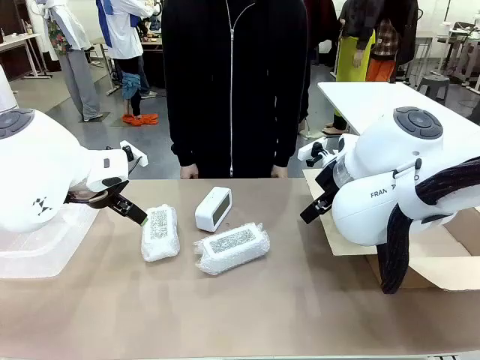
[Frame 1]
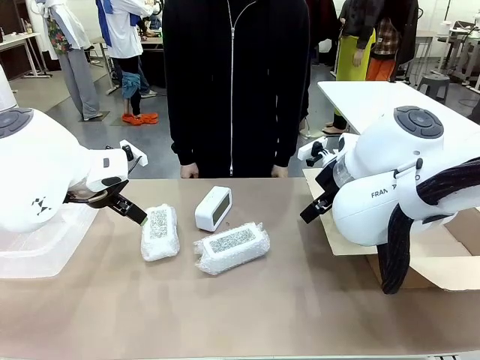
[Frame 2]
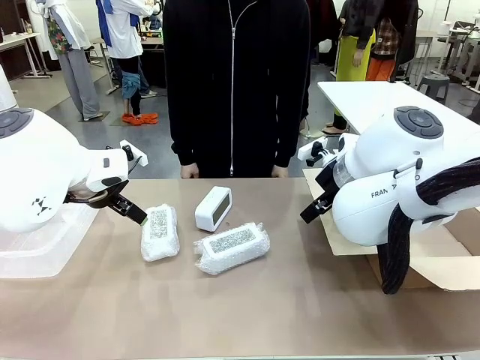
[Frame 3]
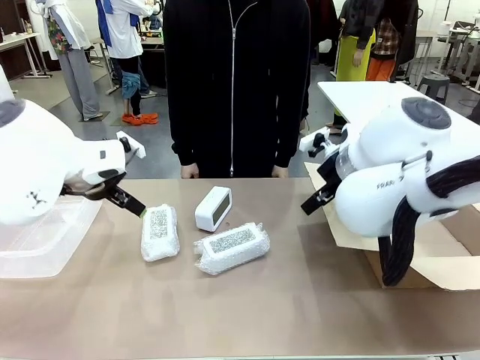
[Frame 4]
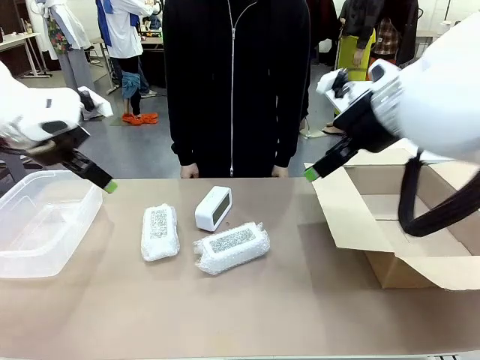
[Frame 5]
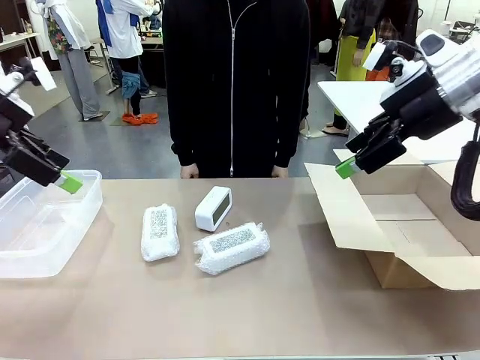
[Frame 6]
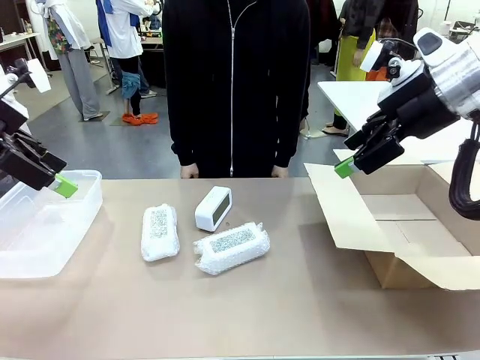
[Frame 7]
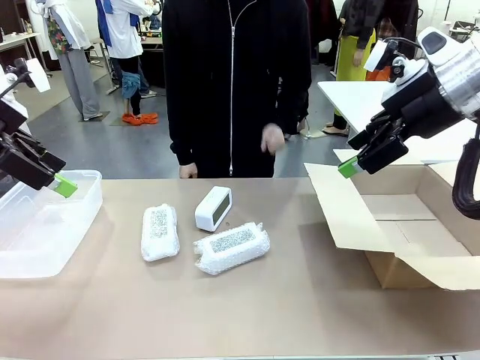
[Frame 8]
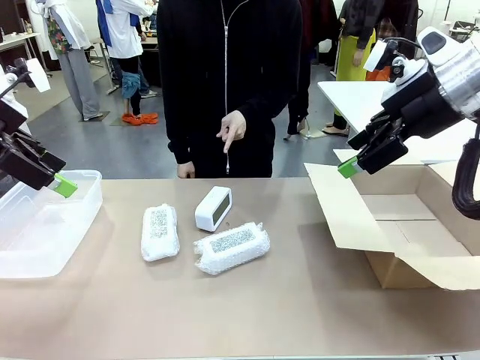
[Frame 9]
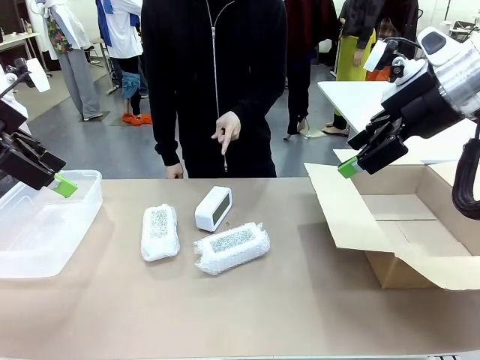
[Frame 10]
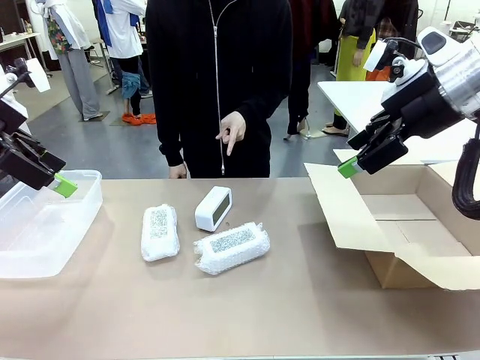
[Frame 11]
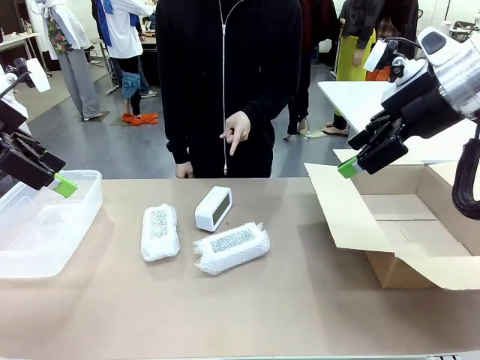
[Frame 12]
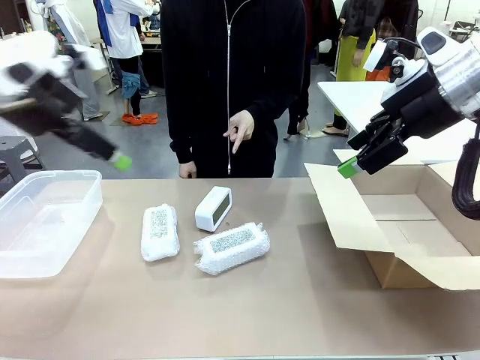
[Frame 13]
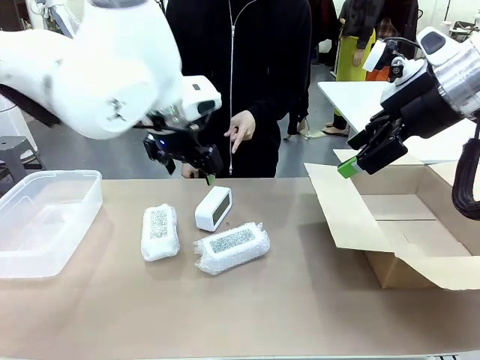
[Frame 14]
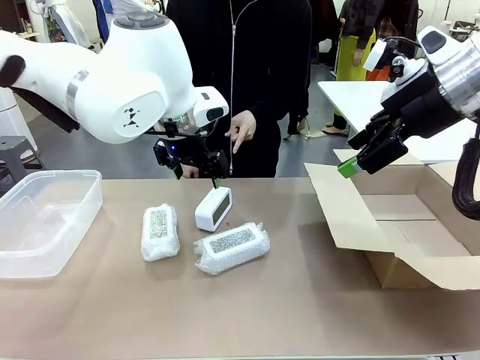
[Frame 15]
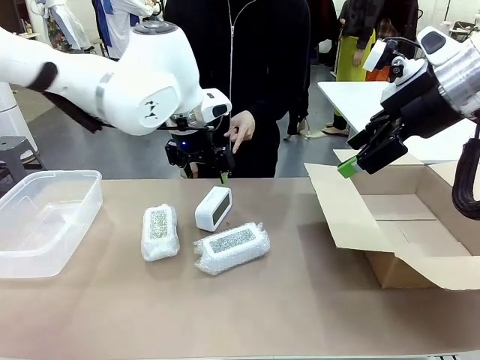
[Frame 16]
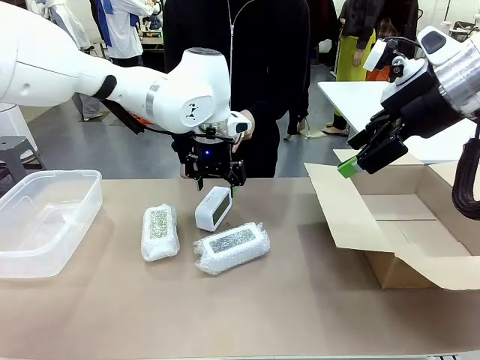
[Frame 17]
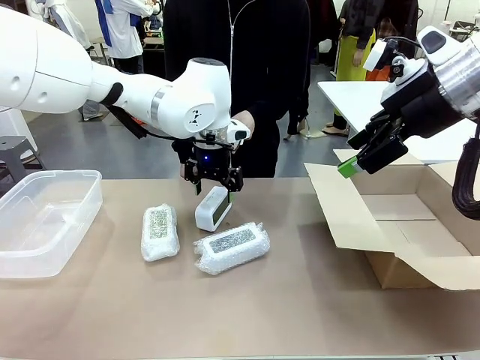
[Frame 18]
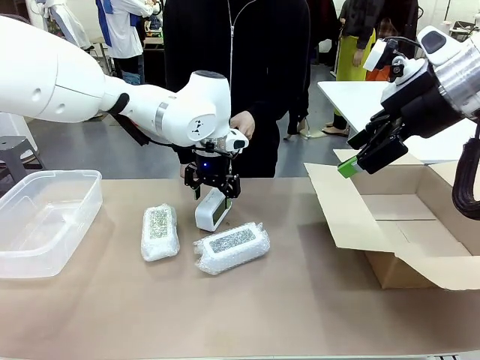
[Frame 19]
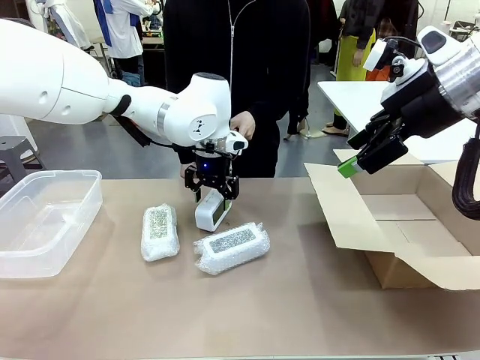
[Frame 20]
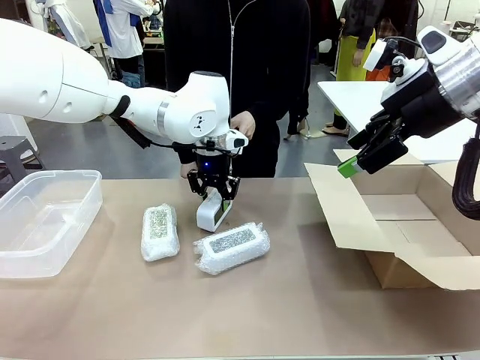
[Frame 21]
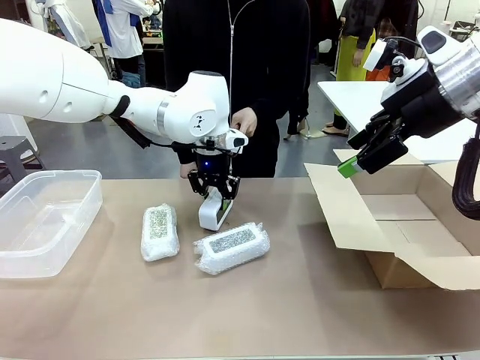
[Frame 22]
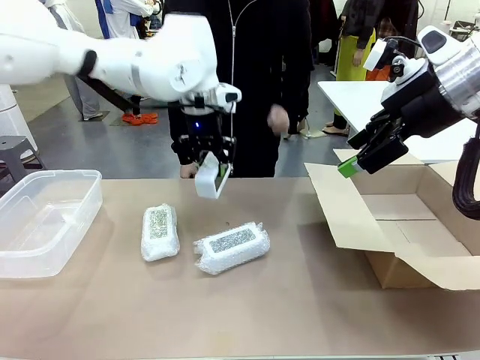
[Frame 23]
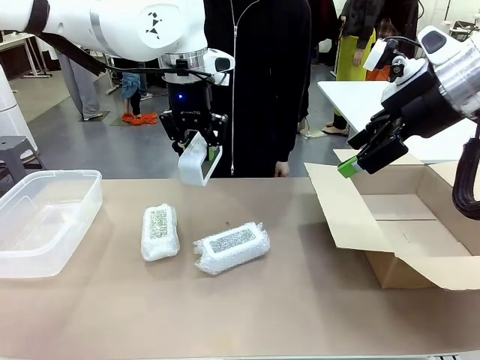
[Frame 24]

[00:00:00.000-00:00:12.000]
Task: Separate and place wrapped and unwrapped clocks.
Robot: Pick up the Digital clock indicated by the person.

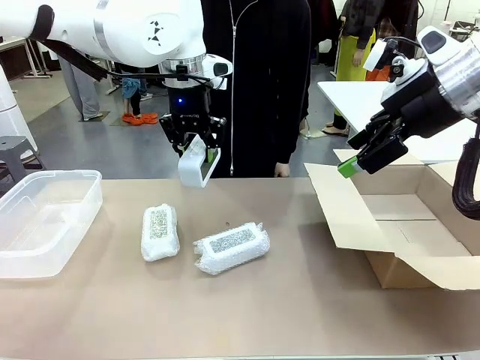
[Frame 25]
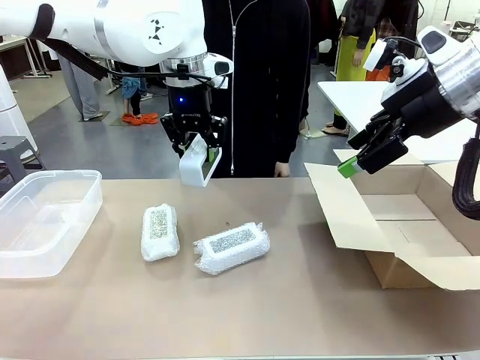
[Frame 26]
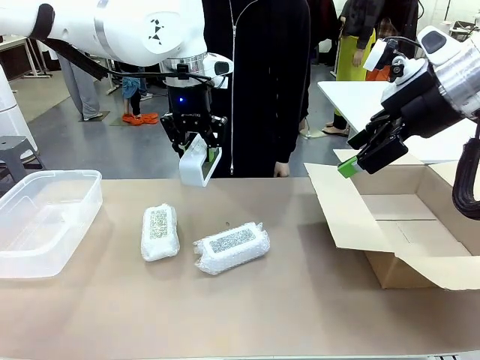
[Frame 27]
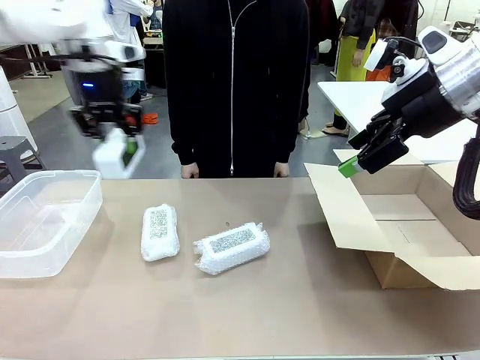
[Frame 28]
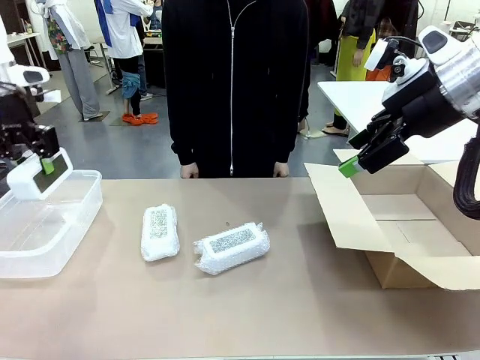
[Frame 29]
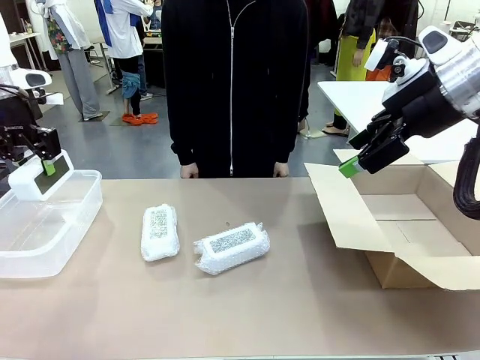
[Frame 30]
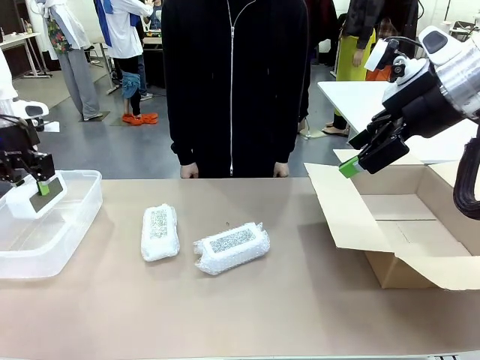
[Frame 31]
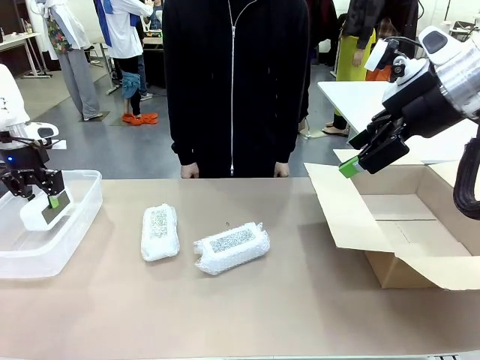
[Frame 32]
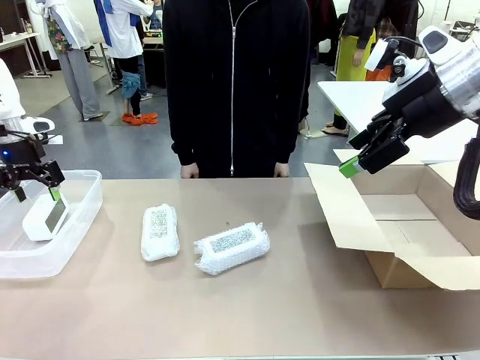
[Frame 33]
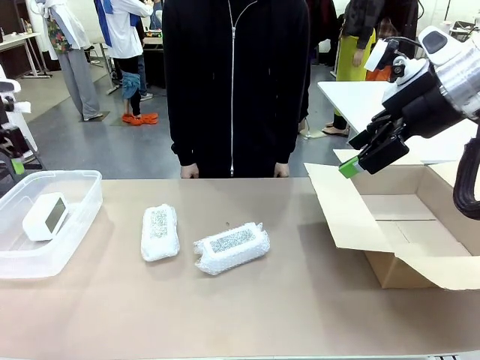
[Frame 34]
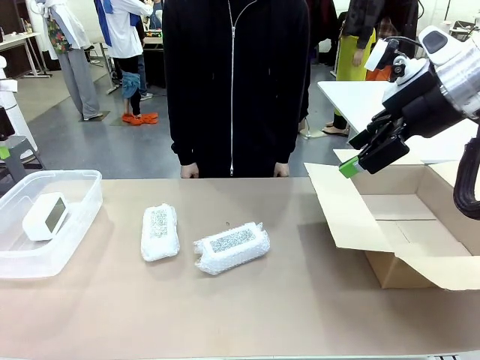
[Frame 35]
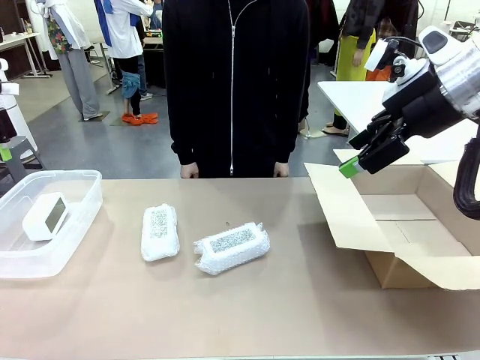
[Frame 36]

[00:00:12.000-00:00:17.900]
Robot: If the picked Digital clock is wrapped, place it in the Package Box ; if not, place it in the Organizing box.

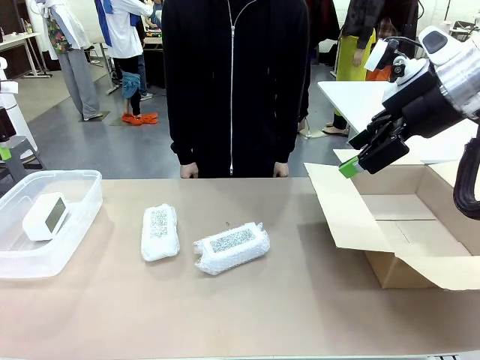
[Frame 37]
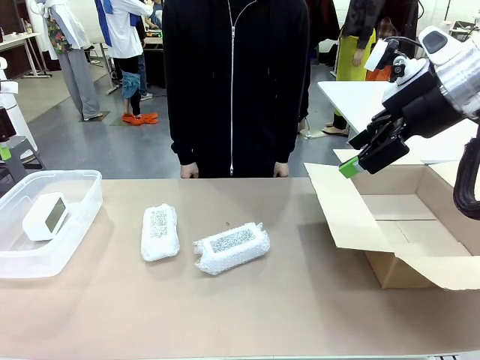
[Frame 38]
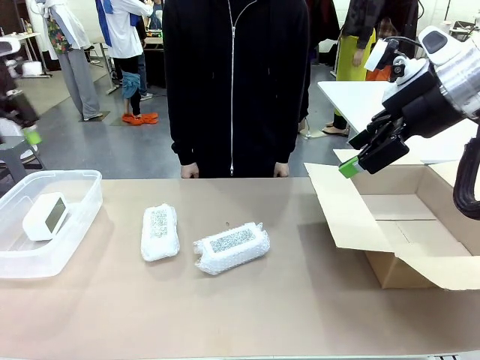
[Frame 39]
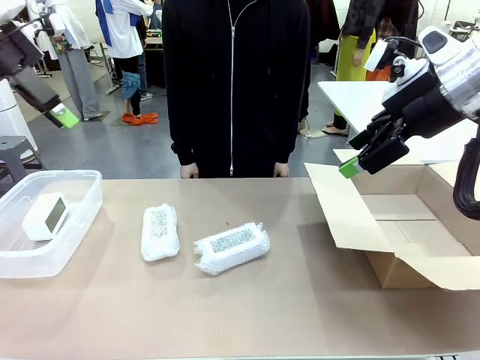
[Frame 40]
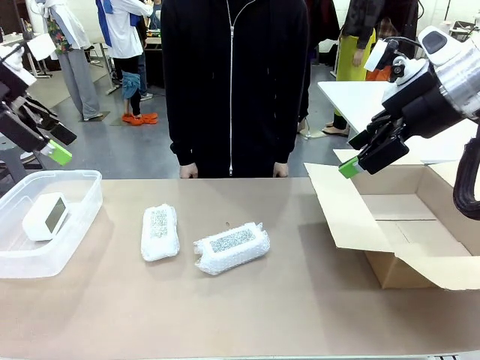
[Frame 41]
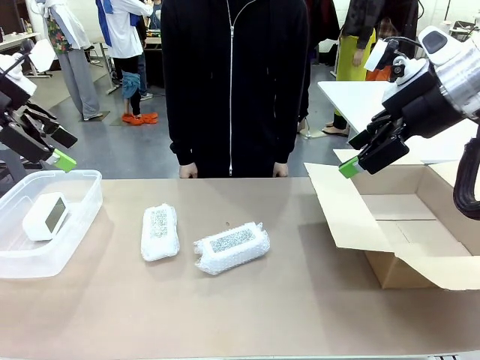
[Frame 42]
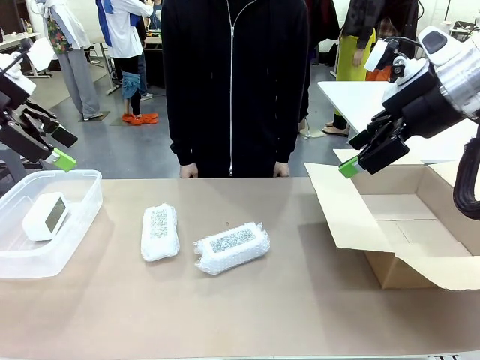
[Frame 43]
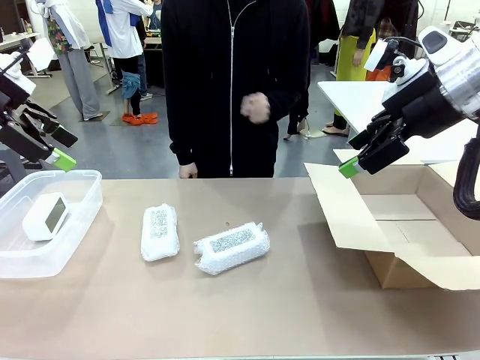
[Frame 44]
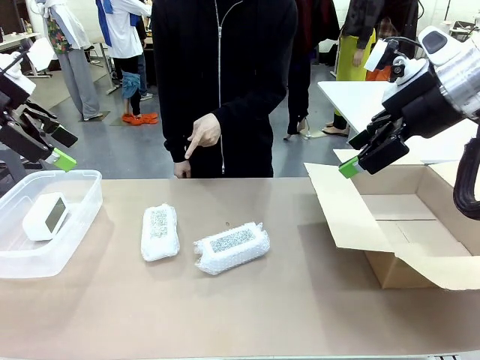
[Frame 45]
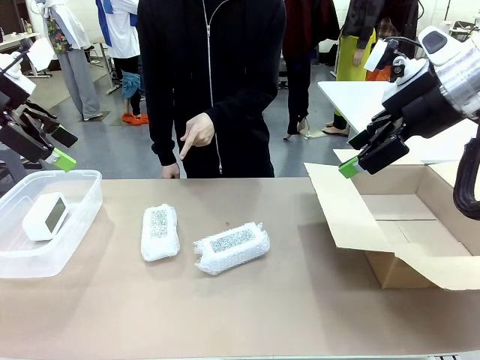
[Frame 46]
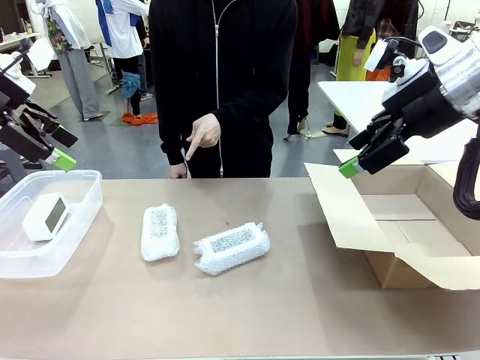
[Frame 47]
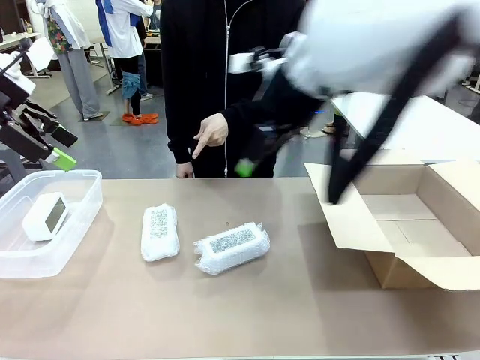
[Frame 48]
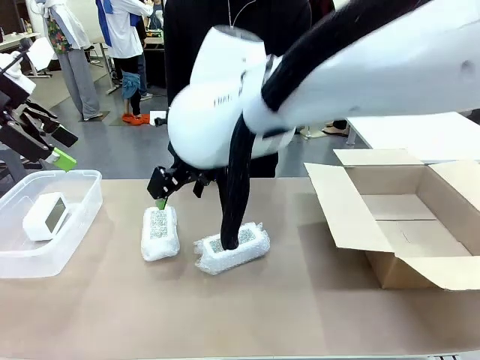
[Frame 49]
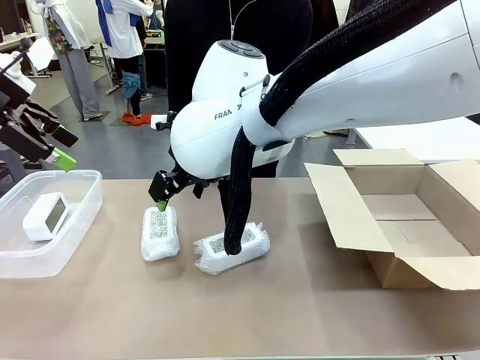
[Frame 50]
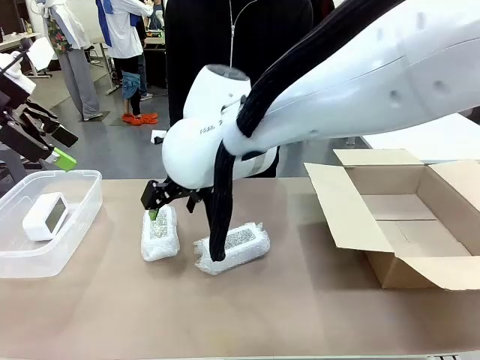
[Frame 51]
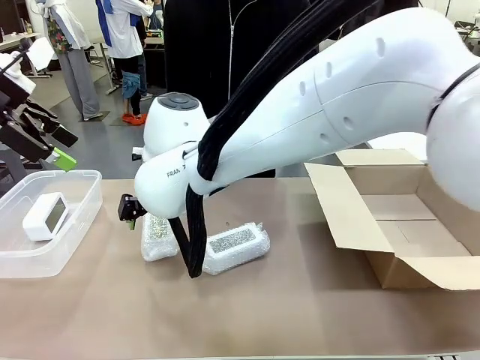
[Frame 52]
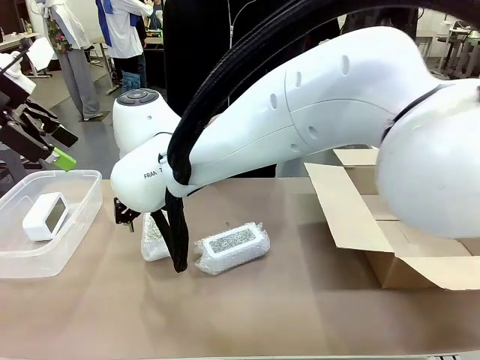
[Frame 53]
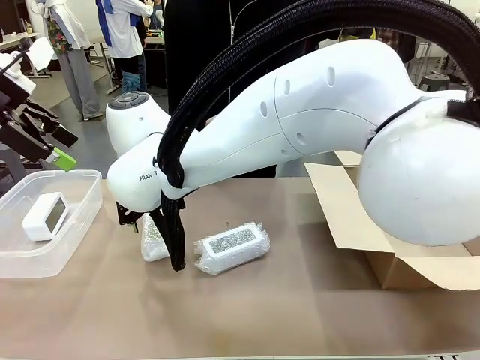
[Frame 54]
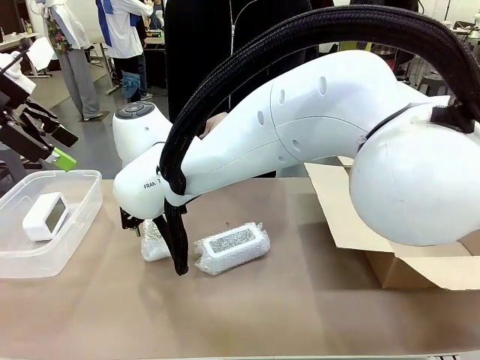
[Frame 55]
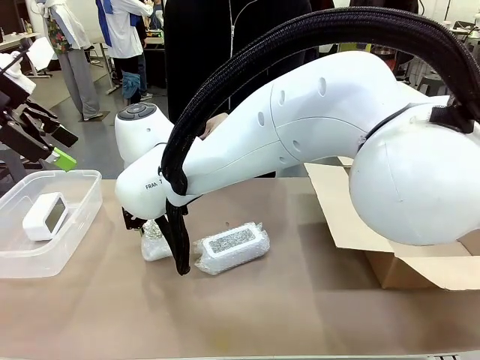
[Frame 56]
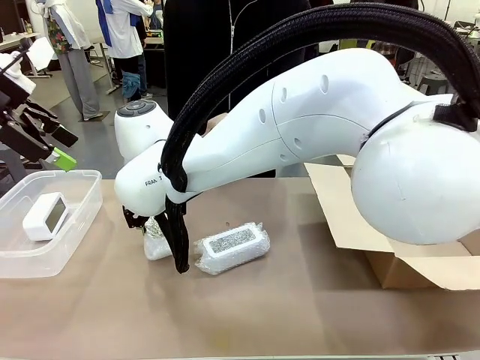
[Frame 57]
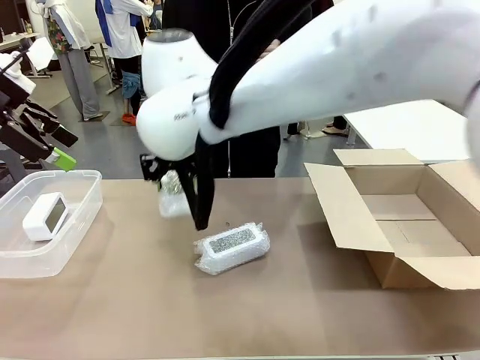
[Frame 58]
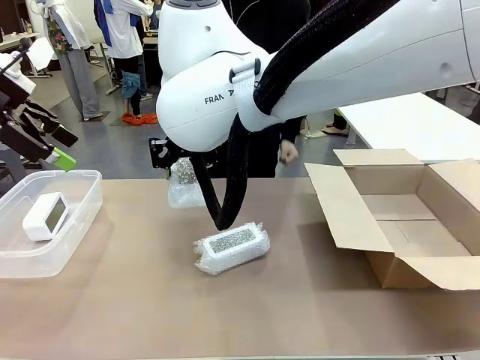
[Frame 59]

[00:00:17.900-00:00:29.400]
Robot: Pick up the Digital clock indicated by the person.
